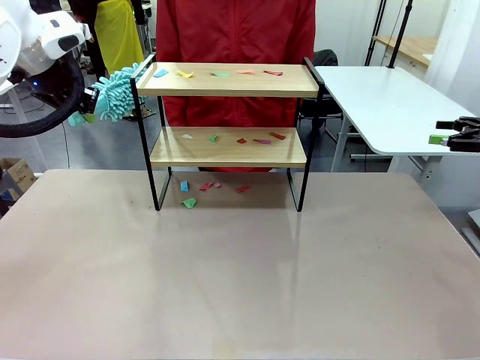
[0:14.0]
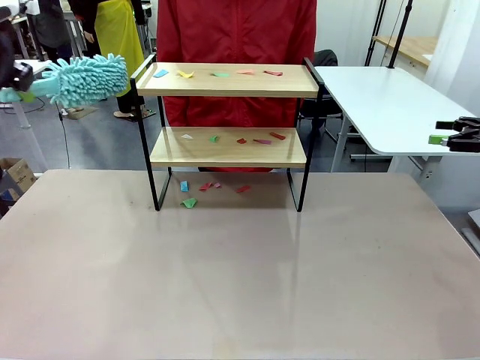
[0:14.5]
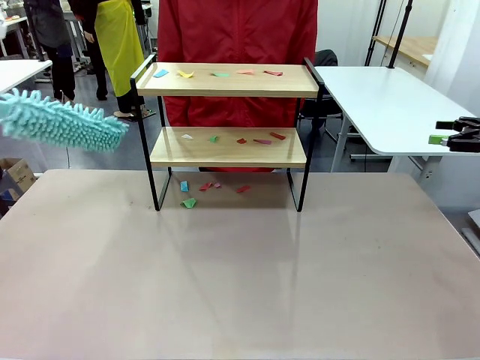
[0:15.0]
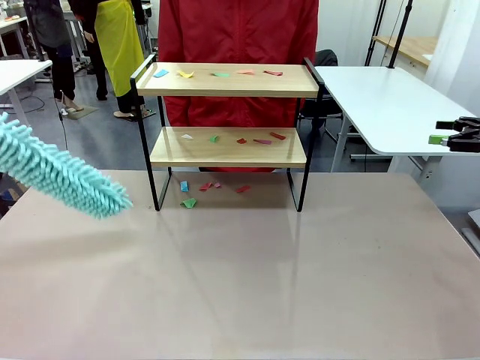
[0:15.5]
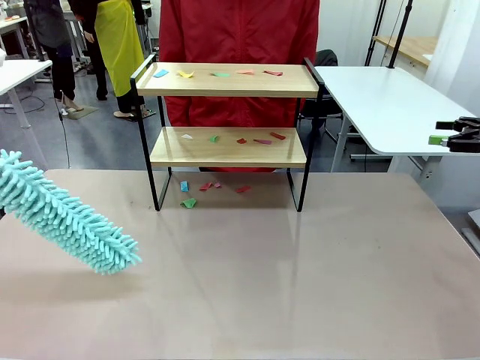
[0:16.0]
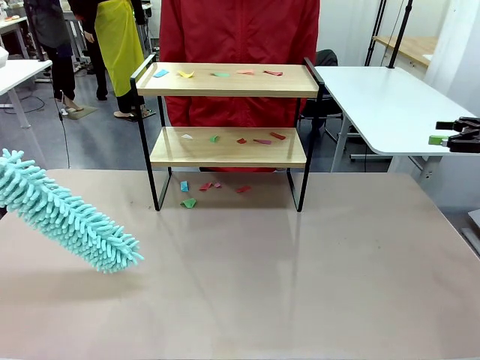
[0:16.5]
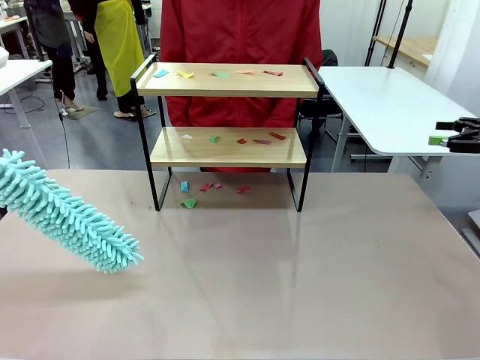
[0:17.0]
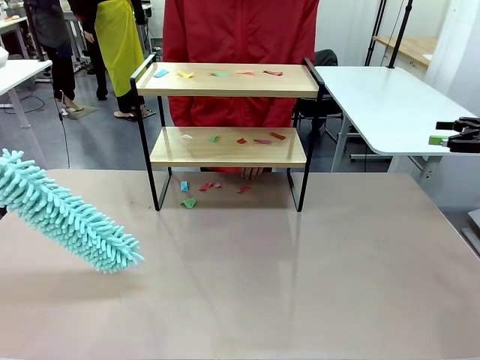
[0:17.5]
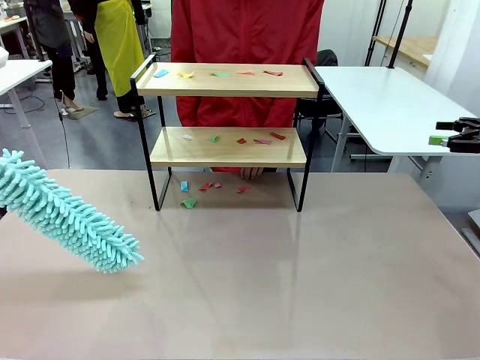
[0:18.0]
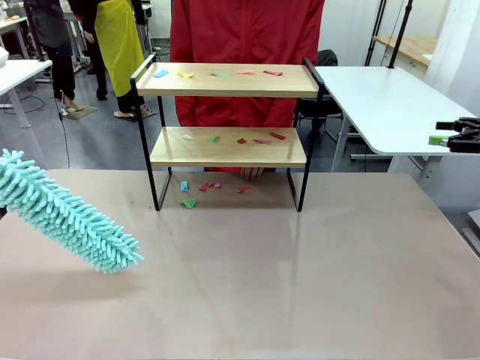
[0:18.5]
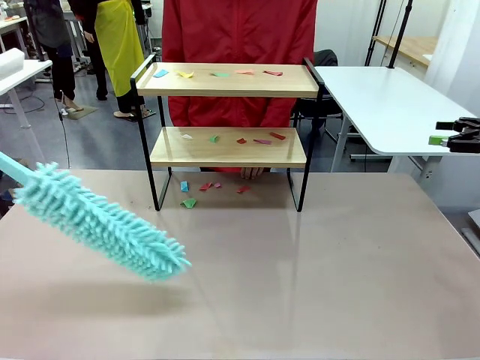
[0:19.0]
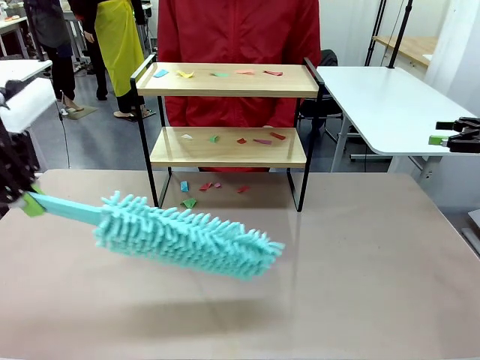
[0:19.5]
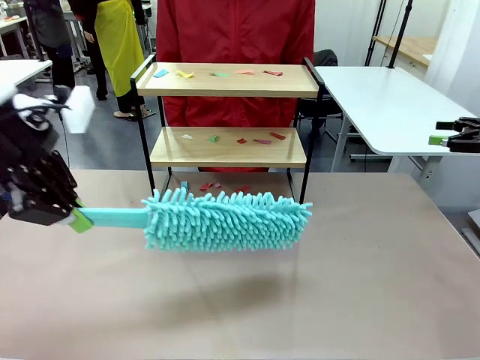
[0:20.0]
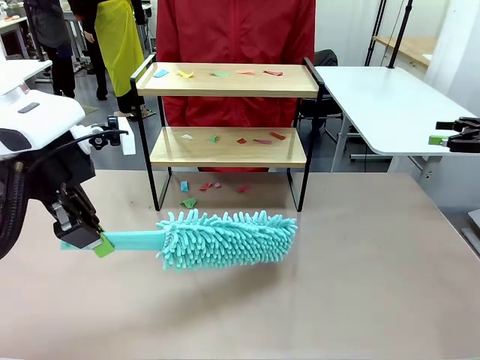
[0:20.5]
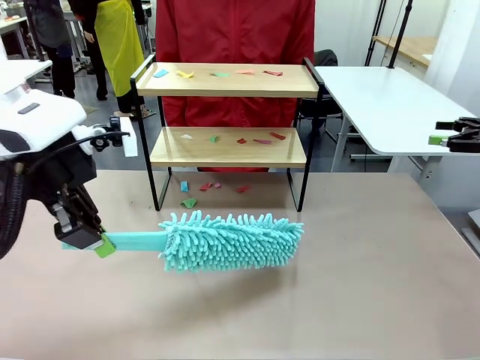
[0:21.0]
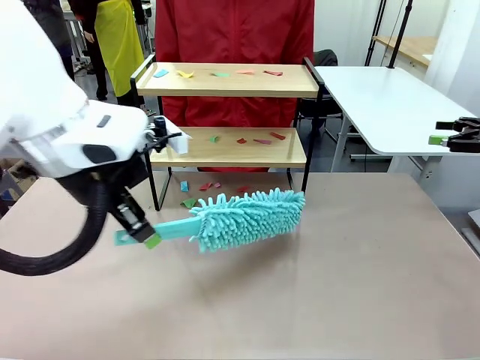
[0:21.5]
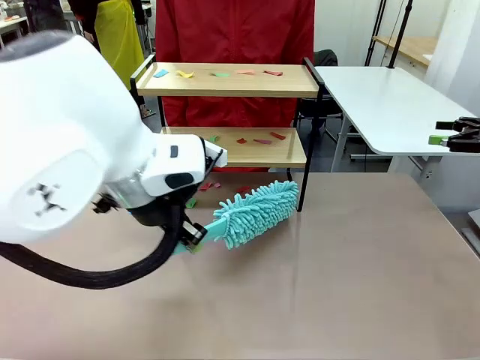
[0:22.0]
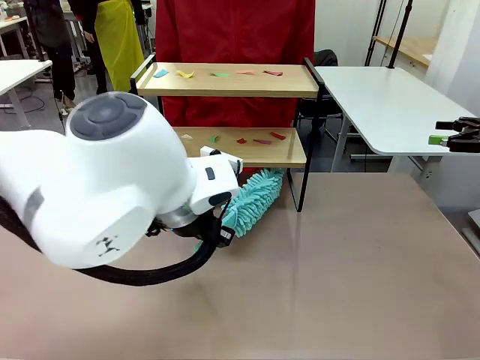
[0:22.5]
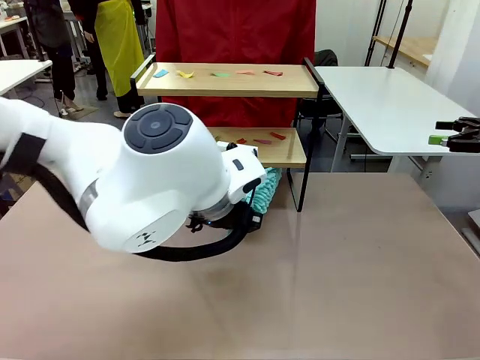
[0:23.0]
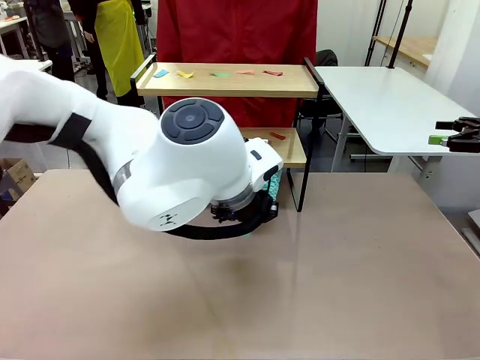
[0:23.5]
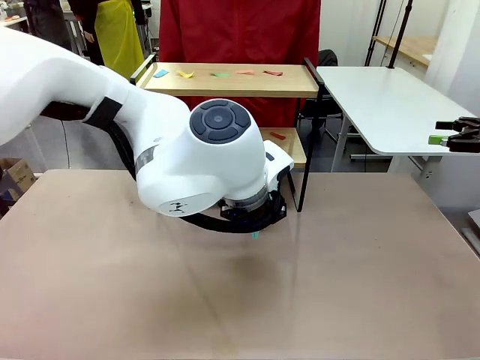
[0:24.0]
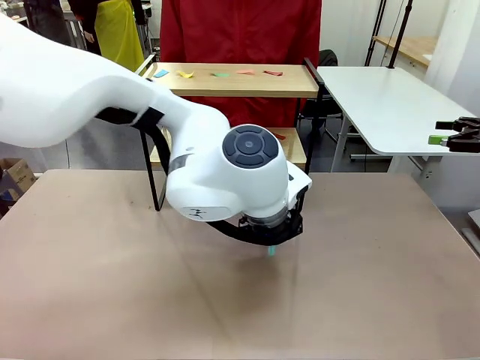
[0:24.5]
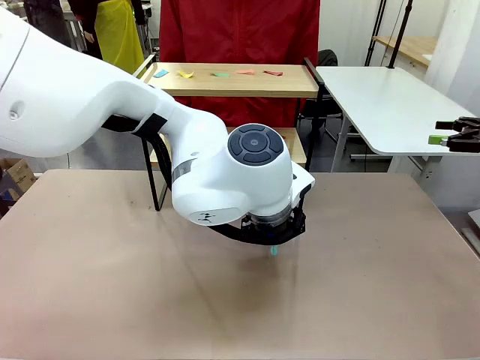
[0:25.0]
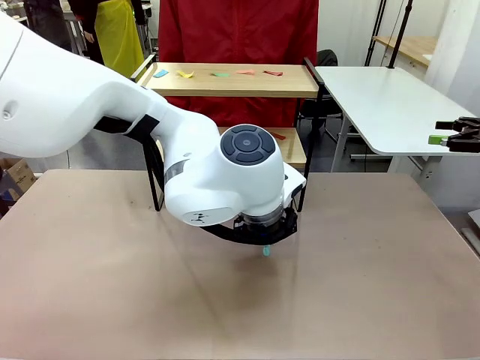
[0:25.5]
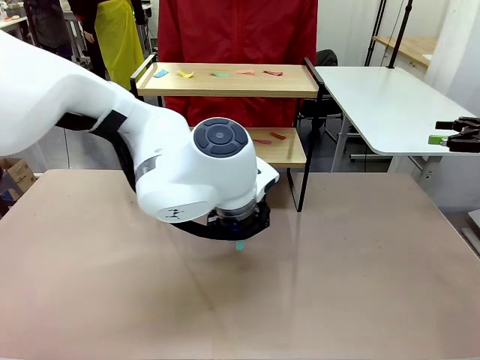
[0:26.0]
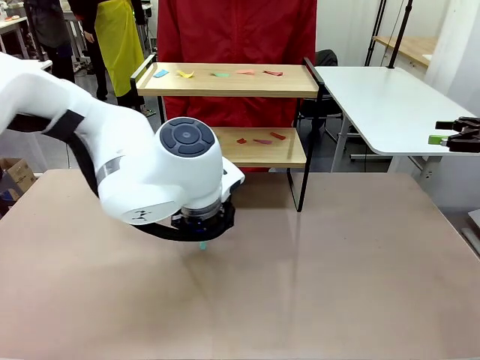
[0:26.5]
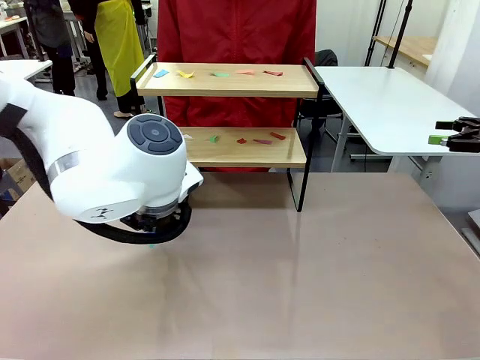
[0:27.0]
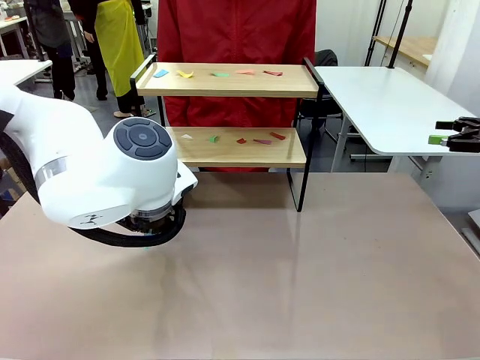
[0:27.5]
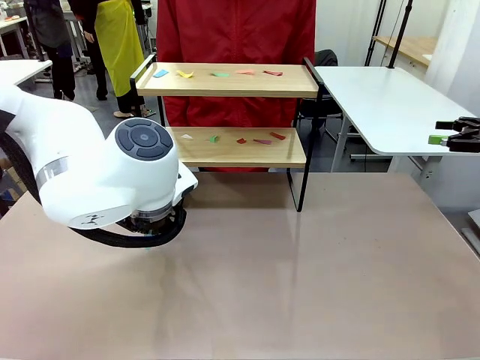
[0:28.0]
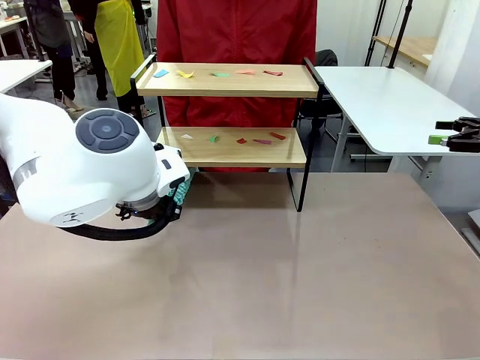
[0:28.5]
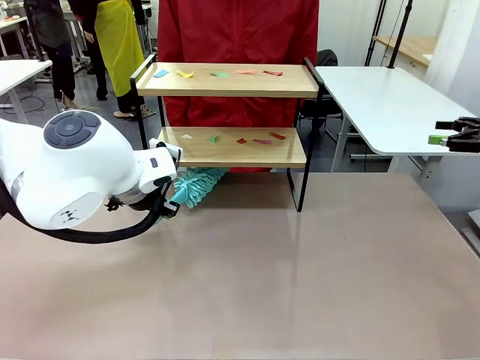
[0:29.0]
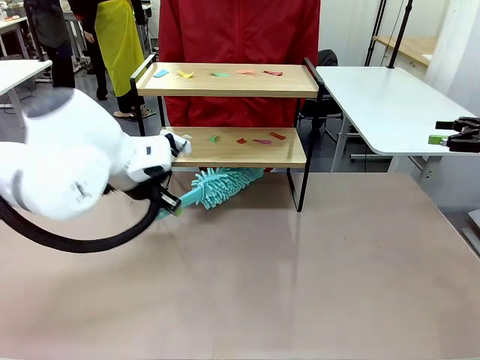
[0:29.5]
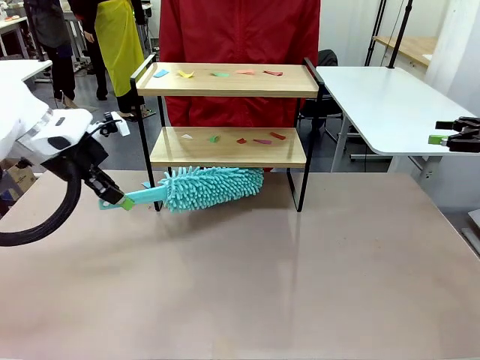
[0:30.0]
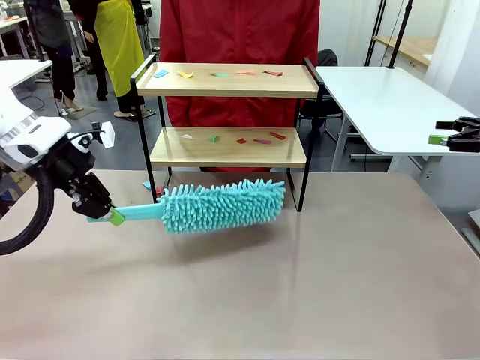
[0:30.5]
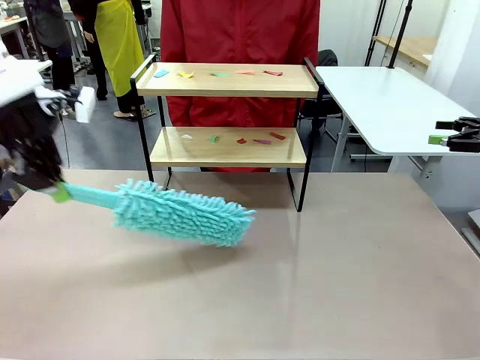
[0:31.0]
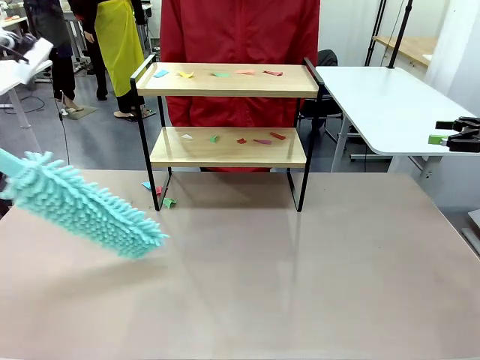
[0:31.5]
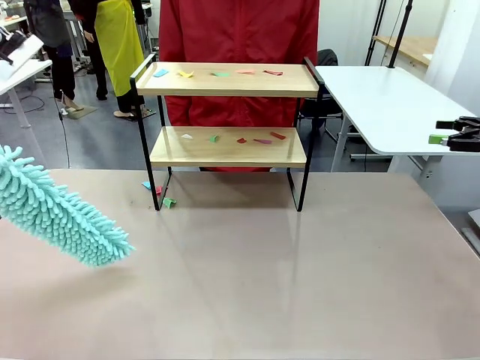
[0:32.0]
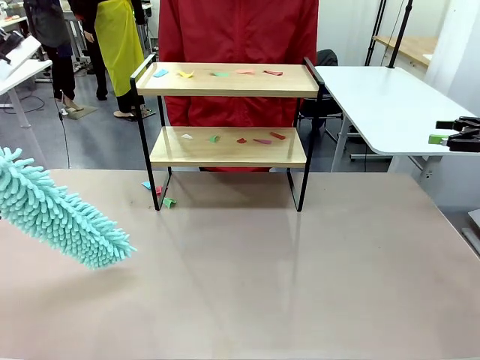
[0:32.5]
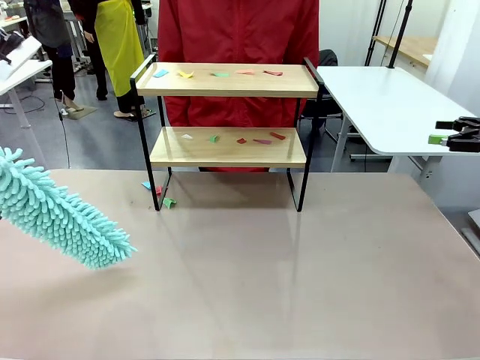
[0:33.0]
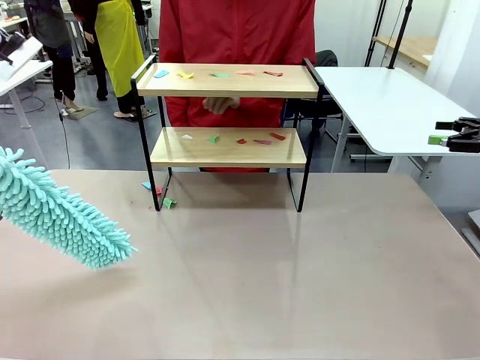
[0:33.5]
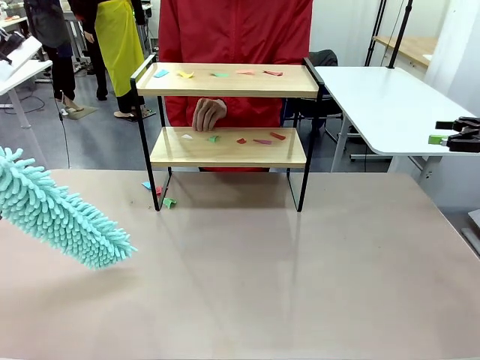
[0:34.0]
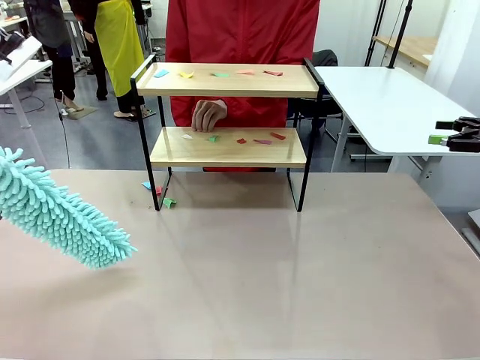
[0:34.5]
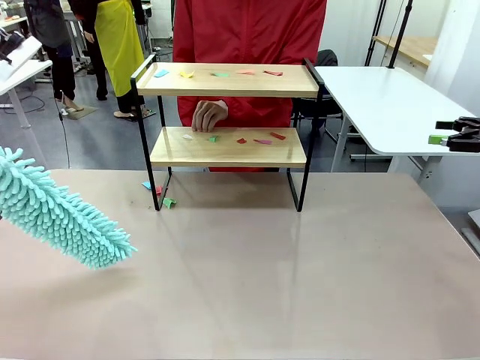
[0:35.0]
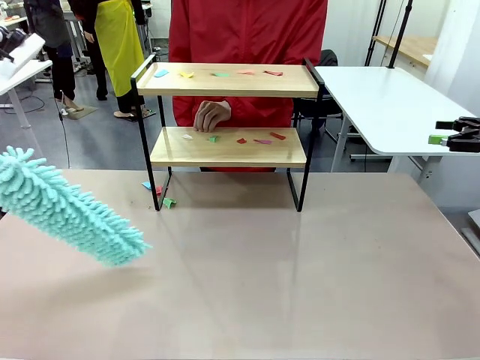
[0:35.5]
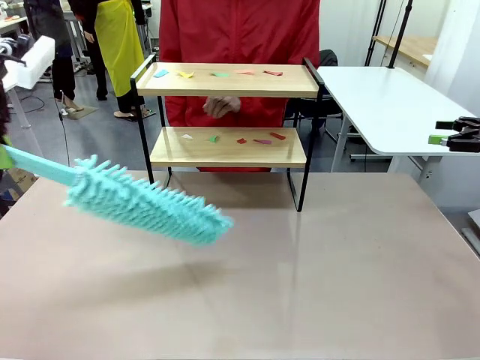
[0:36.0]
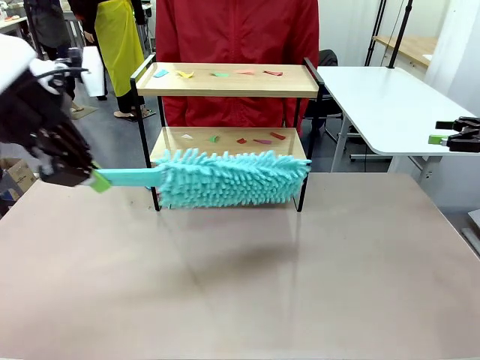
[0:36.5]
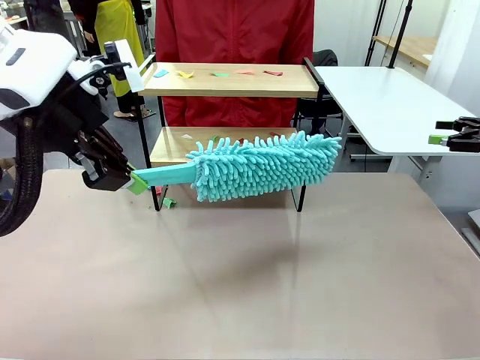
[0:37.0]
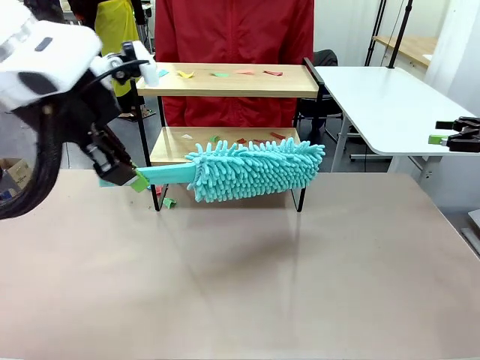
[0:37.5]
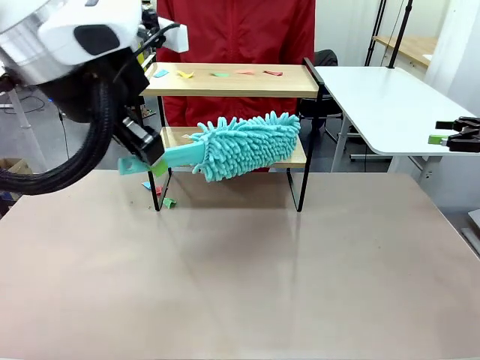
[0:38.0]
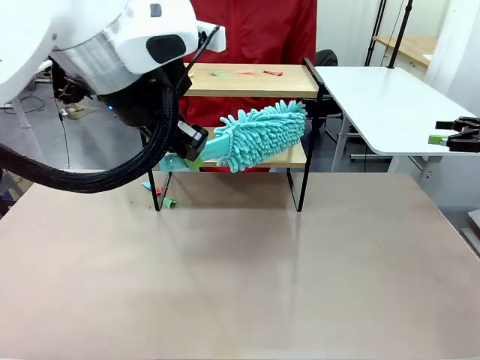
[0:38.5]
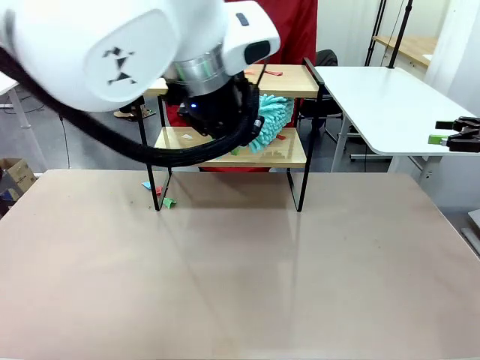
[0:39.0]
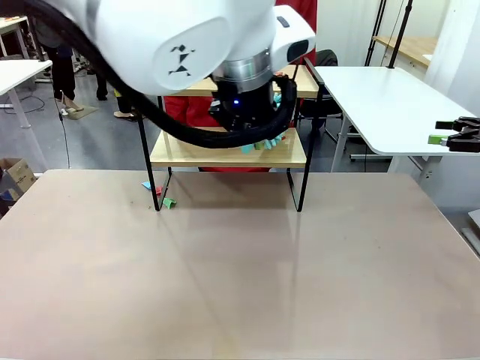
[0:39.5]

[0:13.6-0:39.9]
Task: Clean the shelf.
Robot: Clean the specific section of the Shelf indicated by the human with the Duster.
Person: Point a random section of the Shelf.
